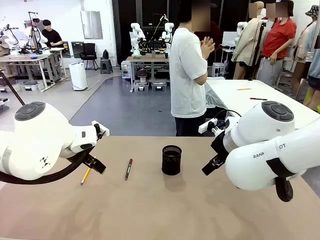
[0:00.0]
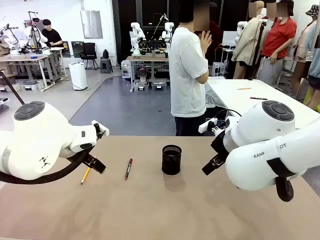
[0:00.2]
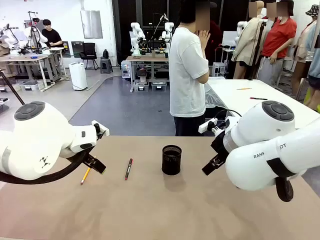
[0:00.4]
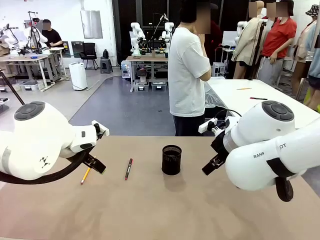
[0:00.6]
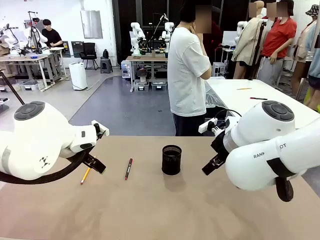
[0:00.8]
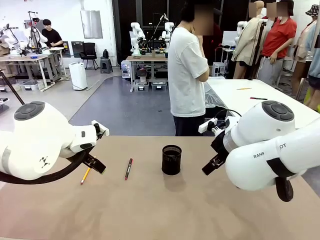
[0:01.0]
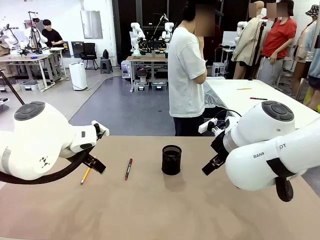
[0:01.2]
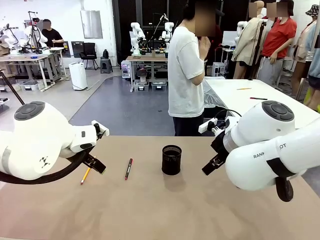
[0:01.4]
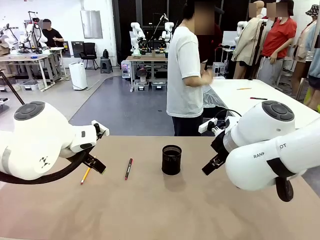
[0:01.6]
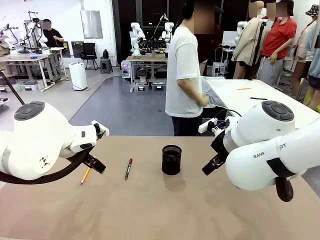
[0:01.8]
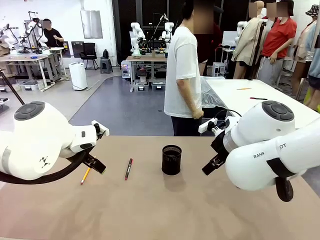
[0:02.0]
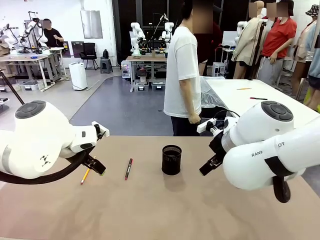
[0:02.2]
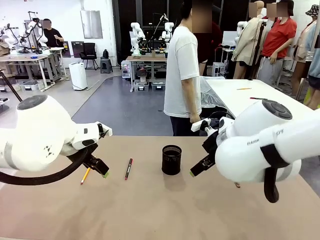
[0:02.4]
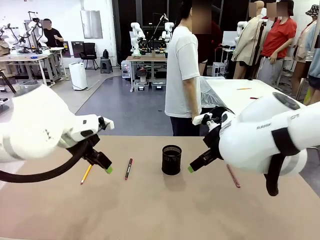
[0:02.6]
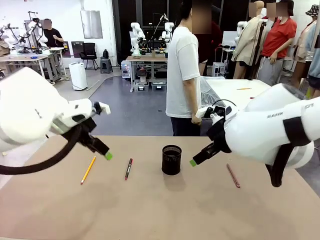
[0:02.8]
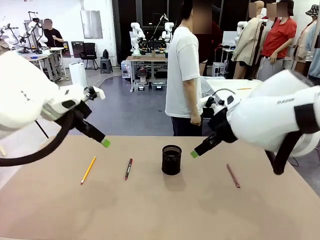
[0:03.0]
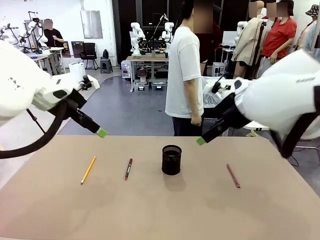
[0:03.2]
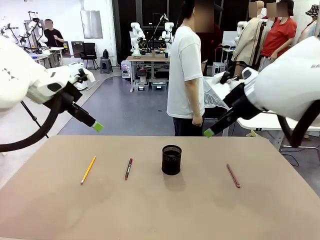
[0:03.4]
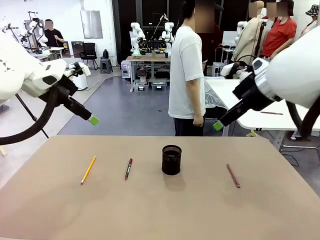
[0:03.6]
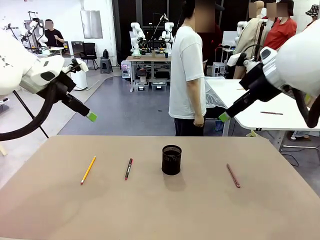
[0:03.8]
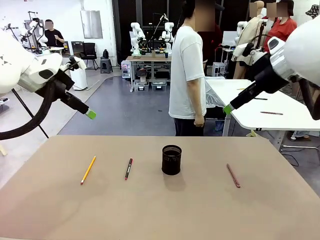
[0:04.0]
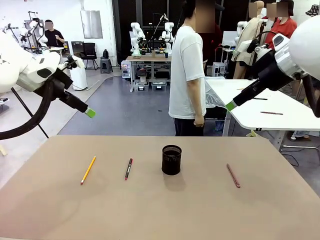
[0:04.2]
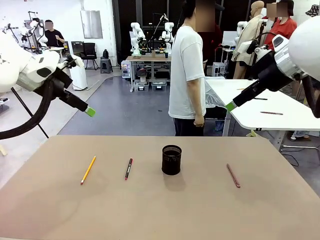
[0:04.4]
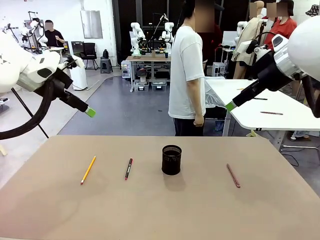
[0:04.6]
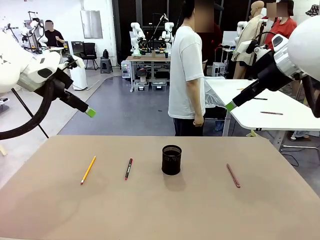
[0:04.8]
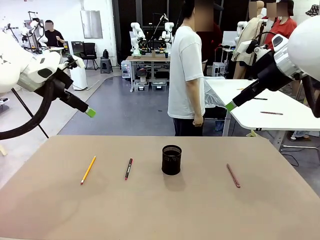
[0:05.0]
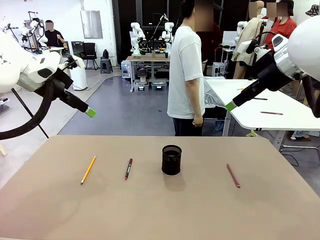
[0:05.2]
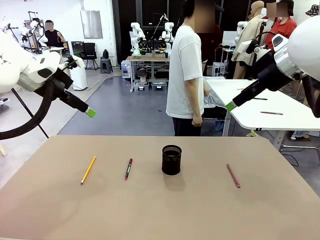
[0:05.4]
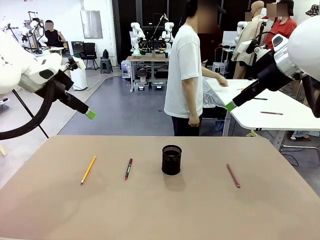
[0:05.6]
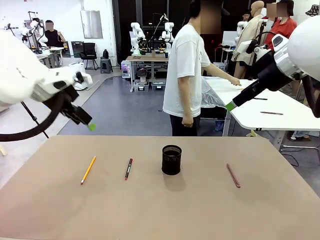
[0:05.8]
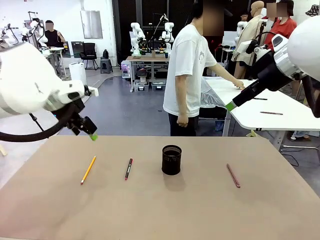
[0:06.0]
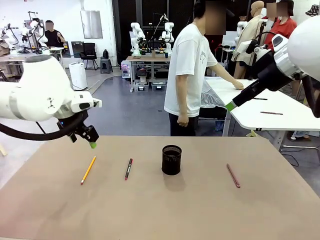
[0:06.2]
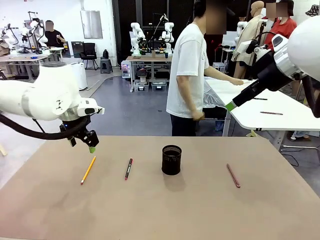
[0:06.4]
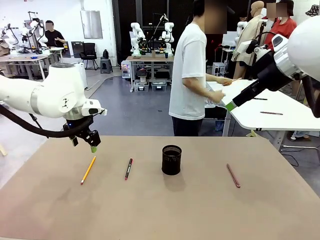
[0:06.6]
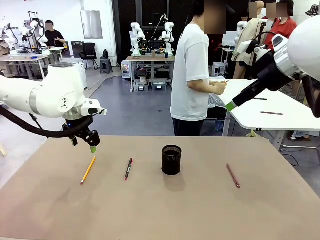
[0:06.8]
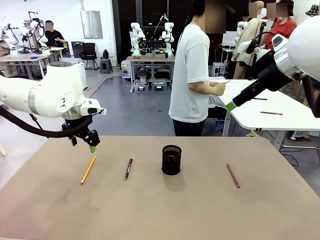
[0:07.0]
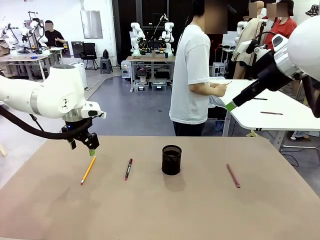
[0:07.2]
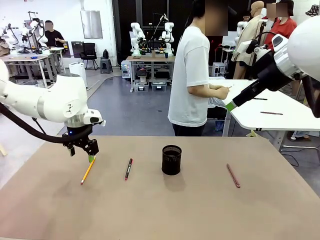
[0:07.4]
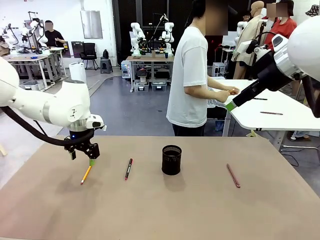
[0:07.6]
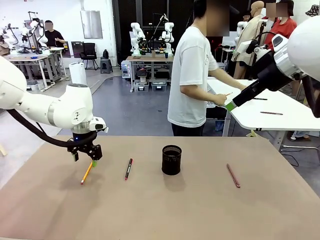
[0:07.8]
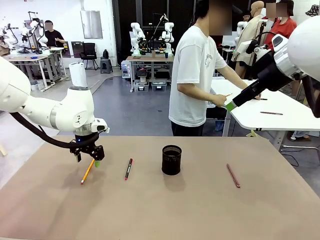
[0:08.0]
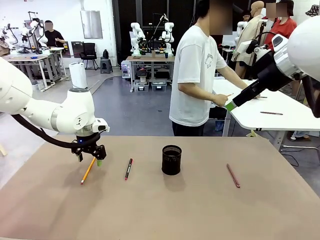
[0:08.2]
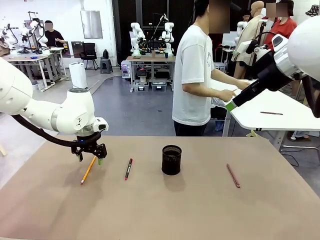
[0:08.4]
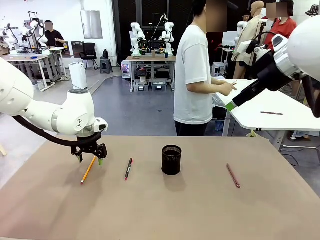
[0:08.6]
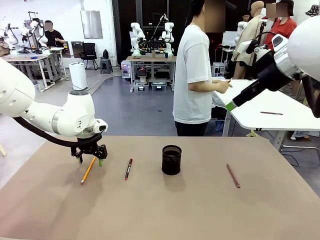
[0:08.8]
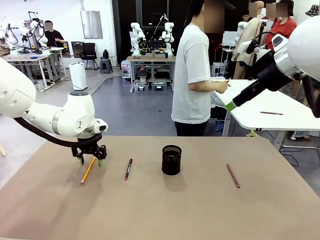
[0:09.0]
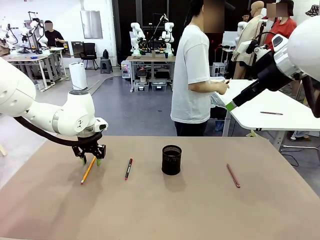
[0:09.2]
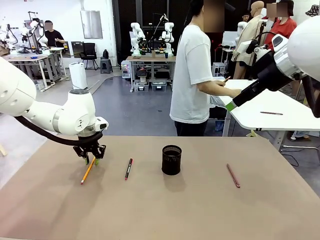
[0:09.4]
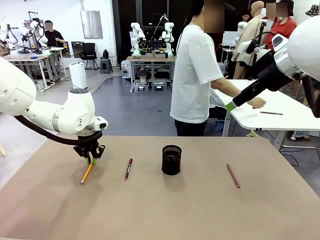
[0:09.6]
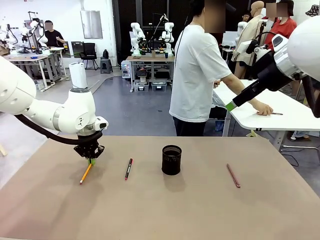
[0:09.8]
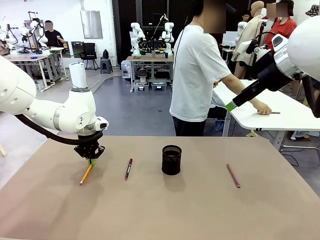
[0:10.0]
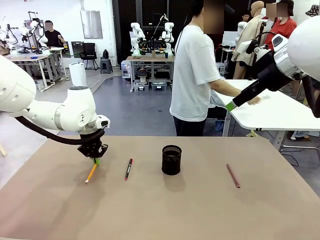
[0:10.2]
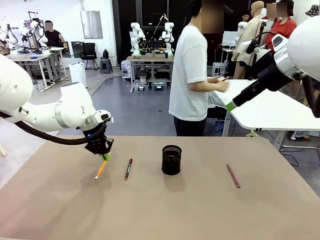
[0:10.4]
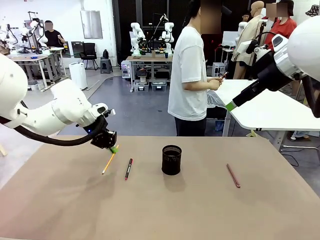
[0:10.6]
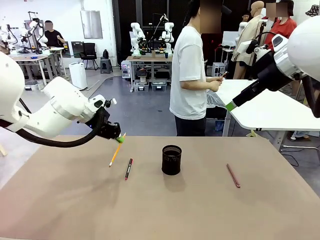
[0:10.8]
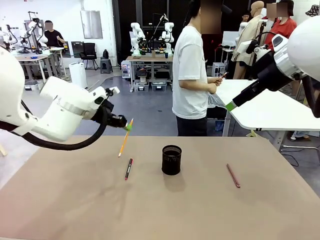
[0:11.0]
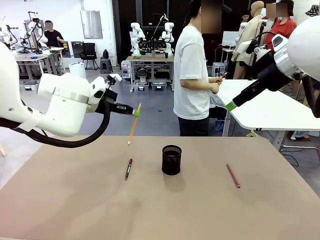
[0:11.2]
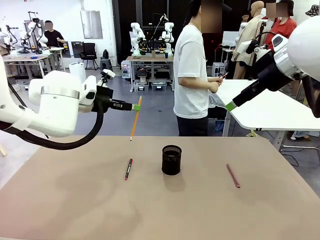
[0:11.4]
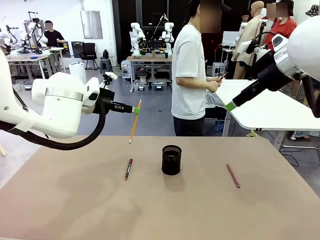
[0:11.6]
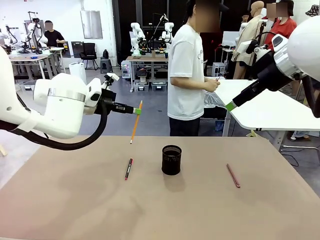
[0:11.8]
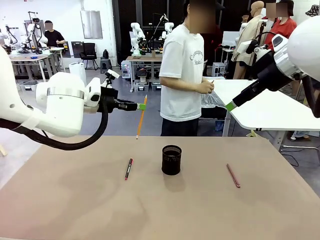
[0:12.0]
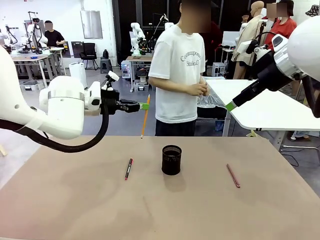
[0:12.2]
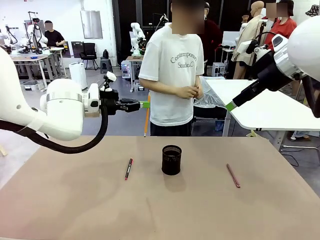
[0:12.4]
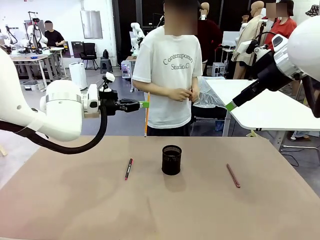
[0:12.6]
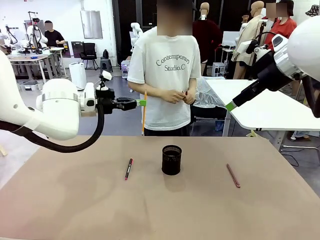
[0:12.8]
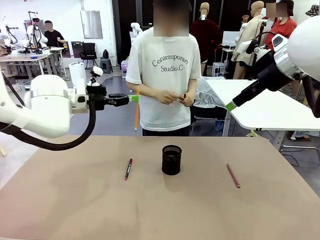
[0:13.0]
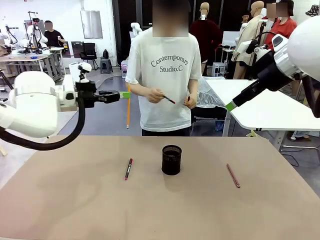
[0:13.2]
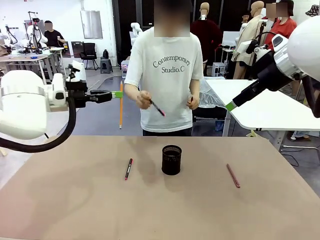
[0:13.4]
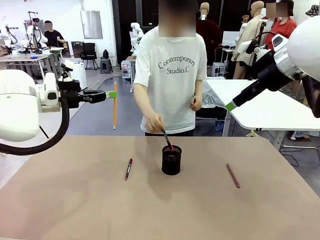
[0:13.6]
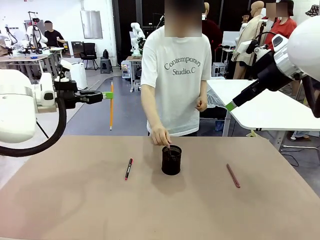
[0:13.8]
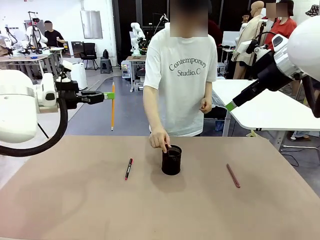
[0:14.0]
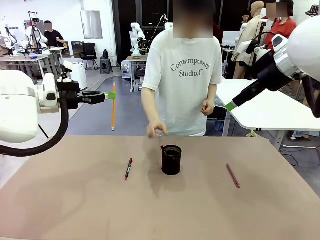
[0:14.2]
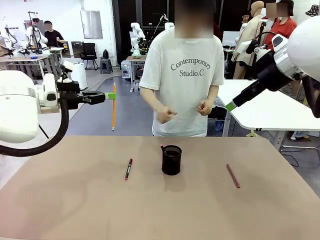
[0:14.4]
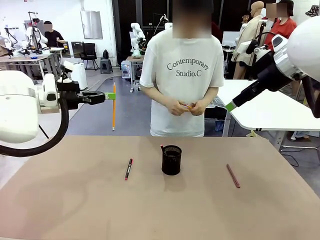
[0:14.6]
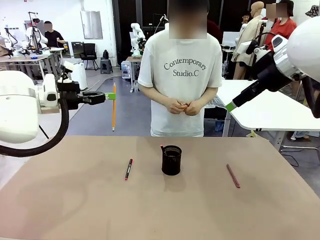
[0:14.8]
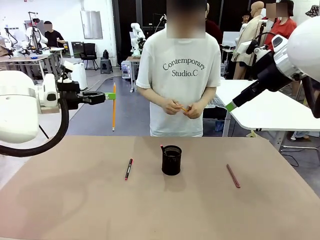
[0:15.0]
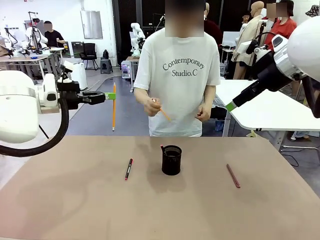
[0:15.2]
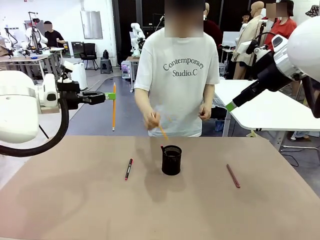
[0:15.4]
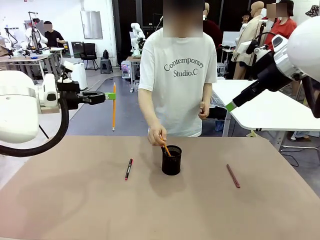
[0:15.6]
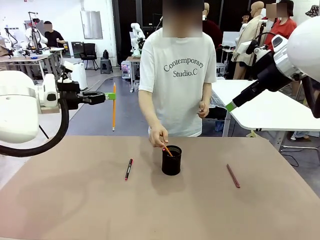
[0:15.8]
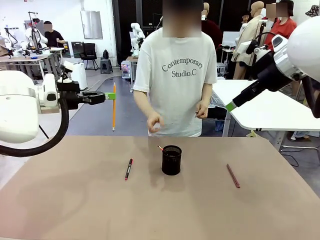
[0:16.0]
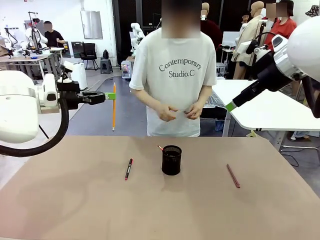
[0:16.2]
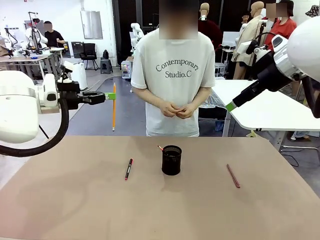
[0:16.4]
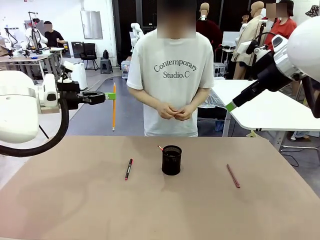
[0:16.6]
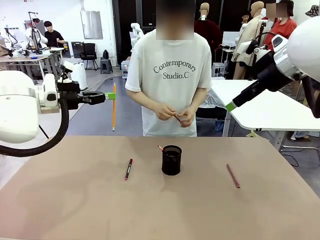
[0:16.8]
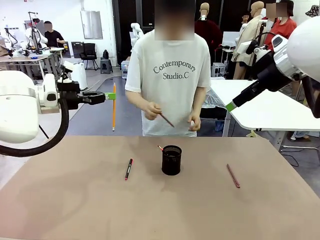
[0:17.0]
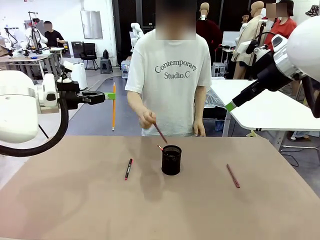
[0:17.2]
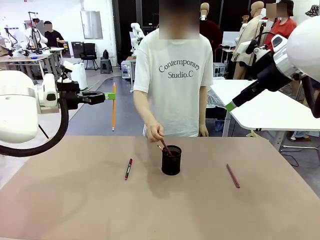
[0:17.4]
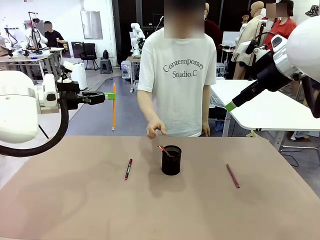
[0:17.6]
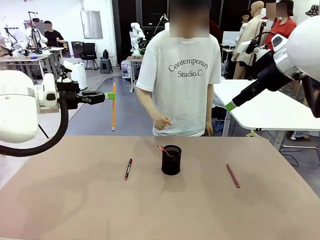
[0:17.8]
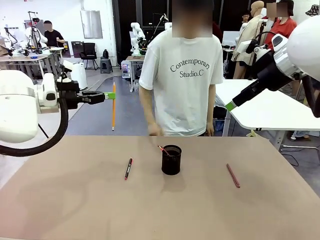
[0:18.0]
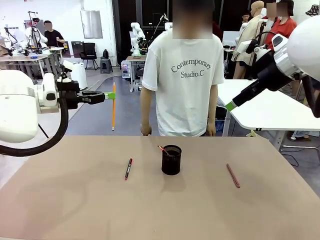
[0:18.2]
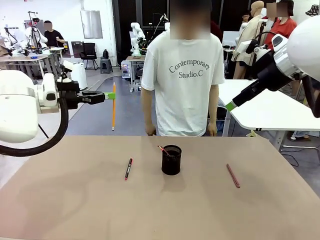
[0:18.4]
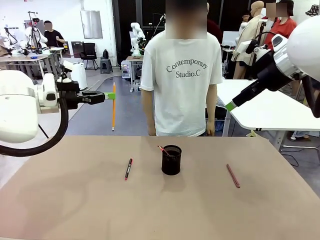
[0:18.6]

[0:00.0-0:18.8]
Task: Place the pens into the pen holder.
Robot: Pick up a writing instrument from the table and place it into the Pen holder.
Person: Pick up all writing instruments from the Human table.
